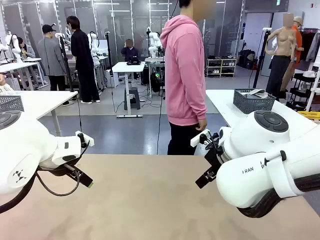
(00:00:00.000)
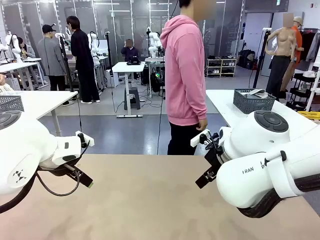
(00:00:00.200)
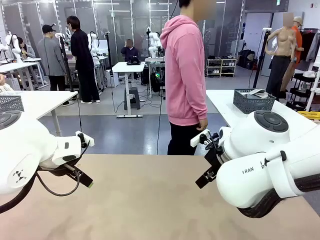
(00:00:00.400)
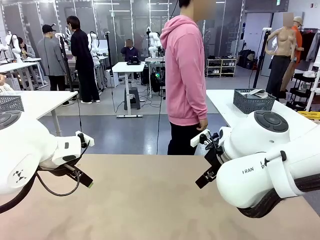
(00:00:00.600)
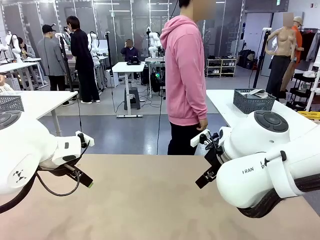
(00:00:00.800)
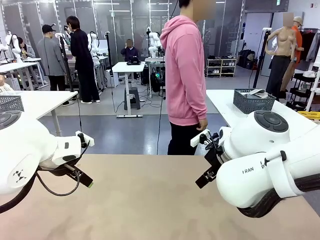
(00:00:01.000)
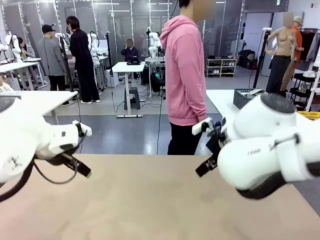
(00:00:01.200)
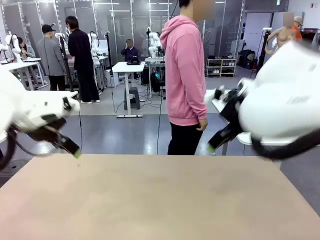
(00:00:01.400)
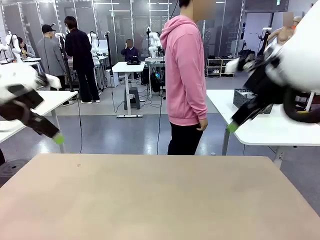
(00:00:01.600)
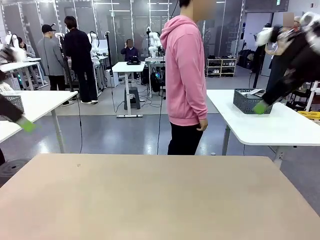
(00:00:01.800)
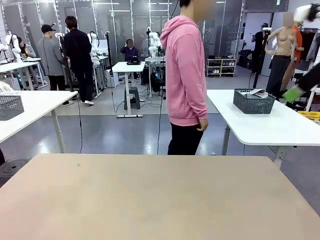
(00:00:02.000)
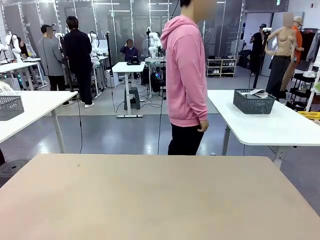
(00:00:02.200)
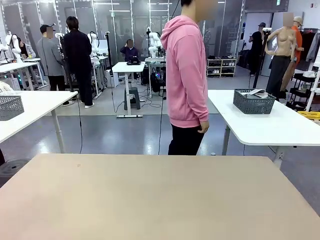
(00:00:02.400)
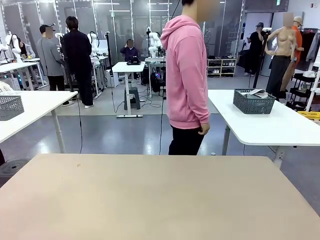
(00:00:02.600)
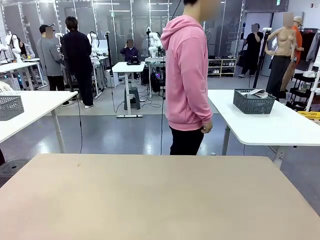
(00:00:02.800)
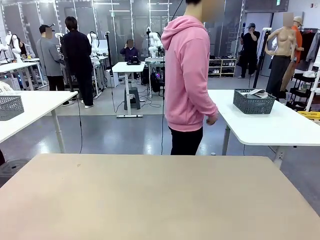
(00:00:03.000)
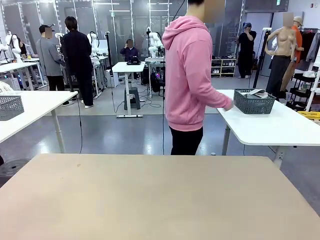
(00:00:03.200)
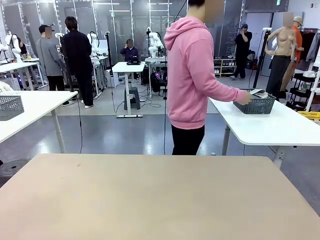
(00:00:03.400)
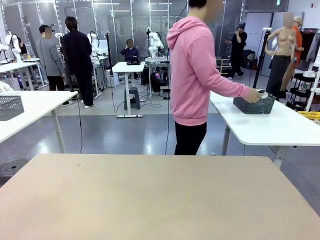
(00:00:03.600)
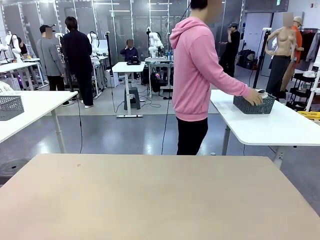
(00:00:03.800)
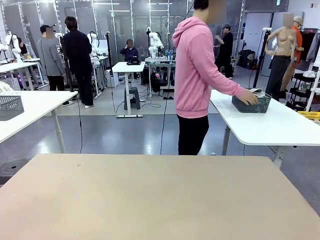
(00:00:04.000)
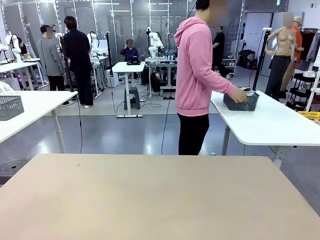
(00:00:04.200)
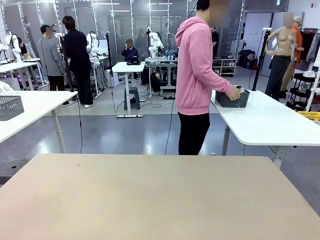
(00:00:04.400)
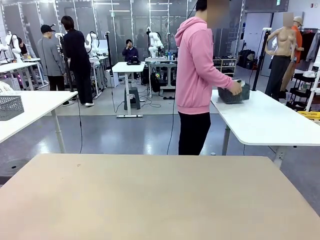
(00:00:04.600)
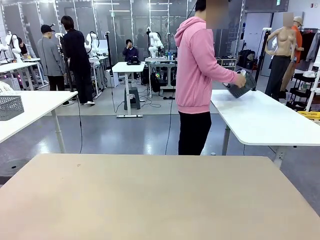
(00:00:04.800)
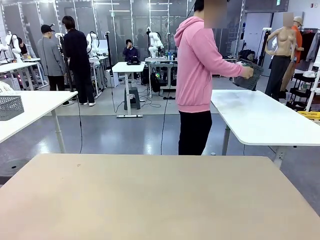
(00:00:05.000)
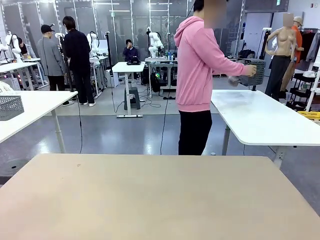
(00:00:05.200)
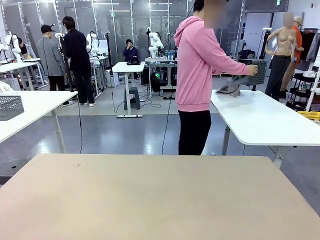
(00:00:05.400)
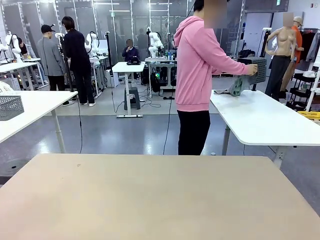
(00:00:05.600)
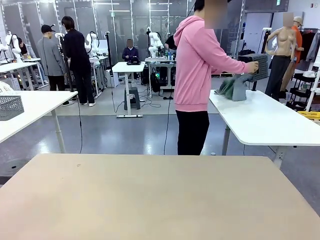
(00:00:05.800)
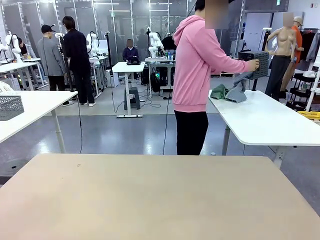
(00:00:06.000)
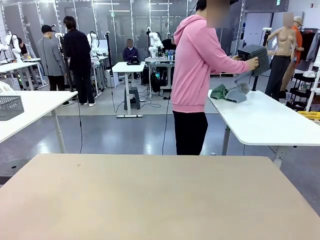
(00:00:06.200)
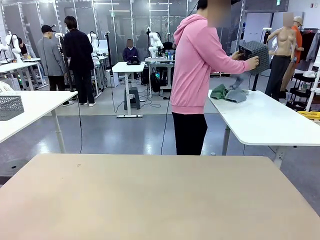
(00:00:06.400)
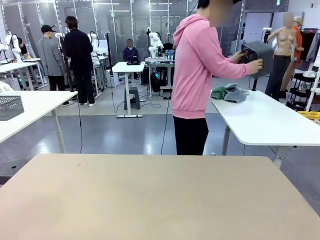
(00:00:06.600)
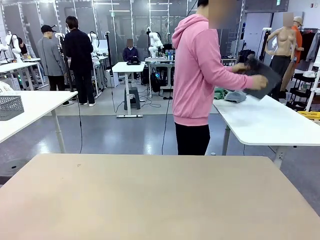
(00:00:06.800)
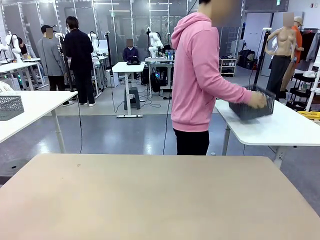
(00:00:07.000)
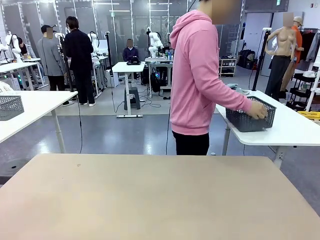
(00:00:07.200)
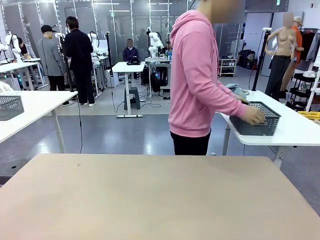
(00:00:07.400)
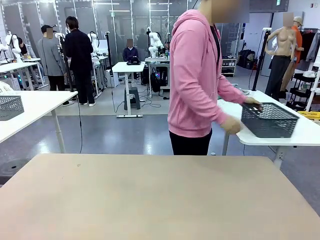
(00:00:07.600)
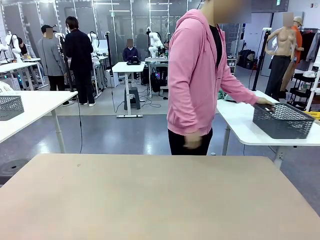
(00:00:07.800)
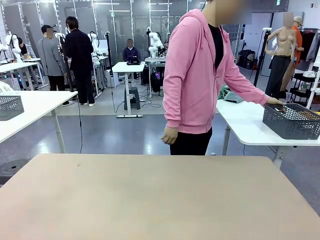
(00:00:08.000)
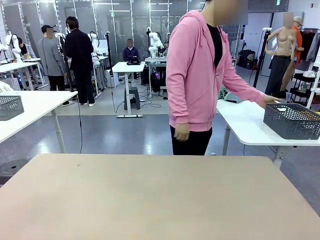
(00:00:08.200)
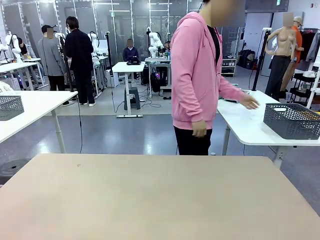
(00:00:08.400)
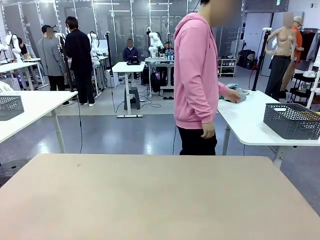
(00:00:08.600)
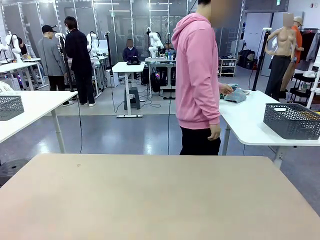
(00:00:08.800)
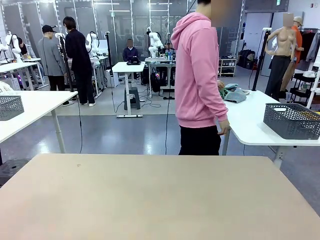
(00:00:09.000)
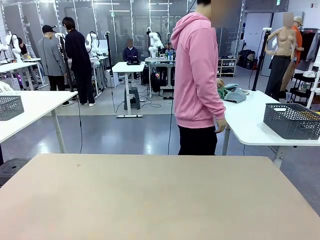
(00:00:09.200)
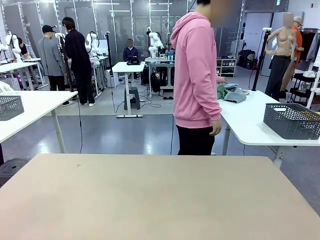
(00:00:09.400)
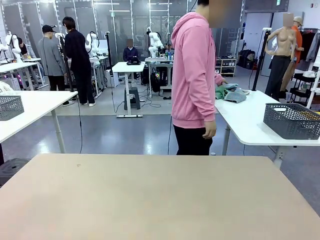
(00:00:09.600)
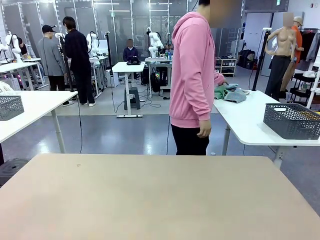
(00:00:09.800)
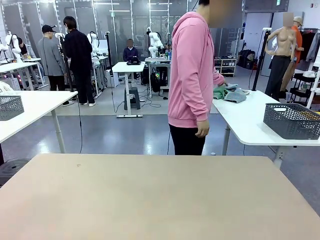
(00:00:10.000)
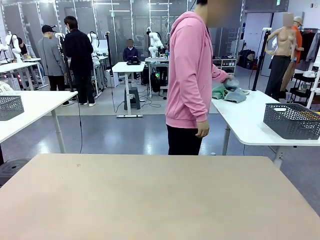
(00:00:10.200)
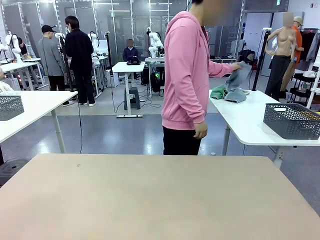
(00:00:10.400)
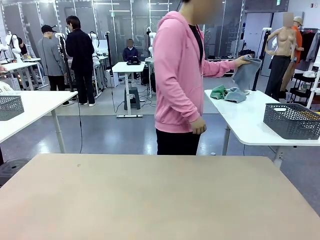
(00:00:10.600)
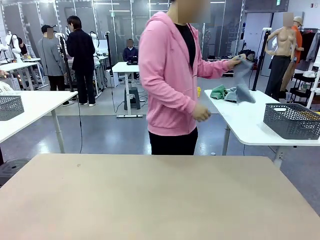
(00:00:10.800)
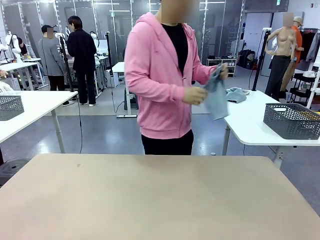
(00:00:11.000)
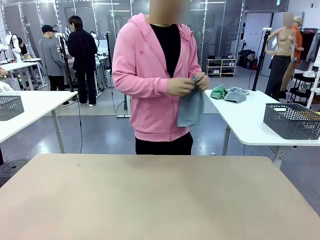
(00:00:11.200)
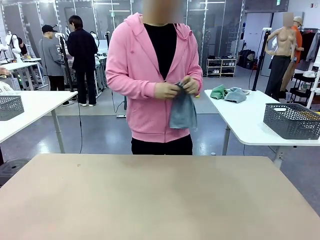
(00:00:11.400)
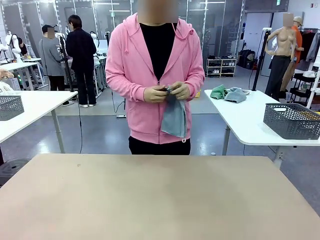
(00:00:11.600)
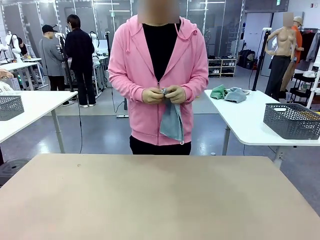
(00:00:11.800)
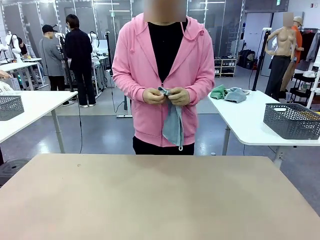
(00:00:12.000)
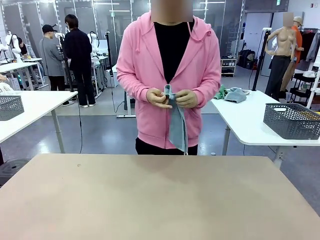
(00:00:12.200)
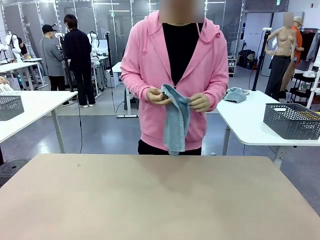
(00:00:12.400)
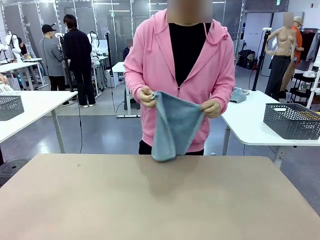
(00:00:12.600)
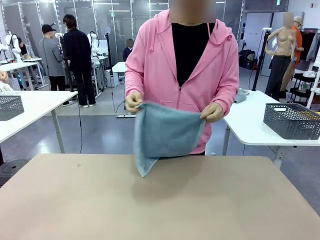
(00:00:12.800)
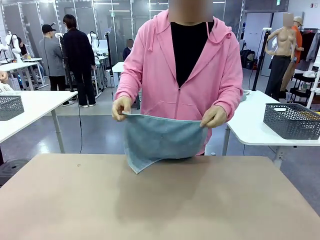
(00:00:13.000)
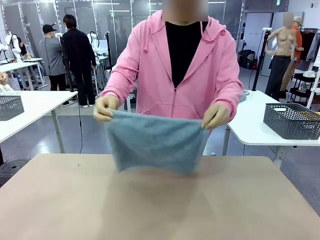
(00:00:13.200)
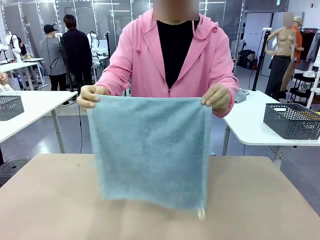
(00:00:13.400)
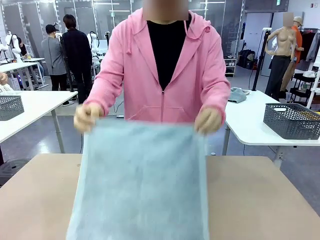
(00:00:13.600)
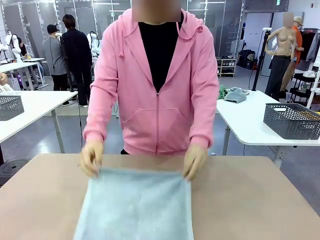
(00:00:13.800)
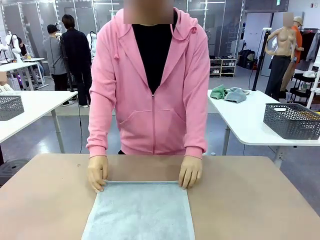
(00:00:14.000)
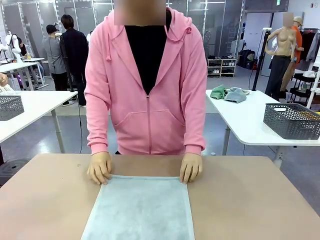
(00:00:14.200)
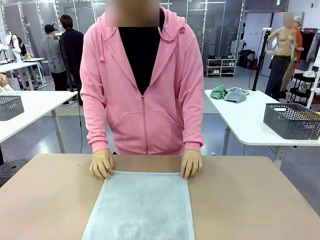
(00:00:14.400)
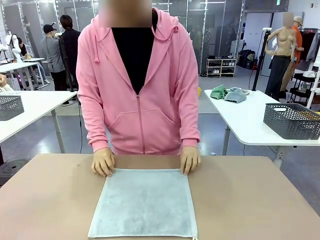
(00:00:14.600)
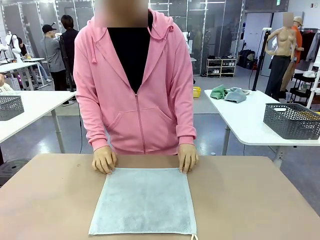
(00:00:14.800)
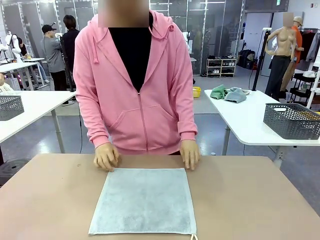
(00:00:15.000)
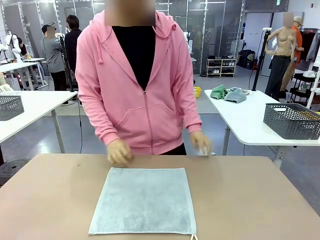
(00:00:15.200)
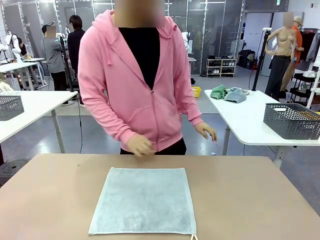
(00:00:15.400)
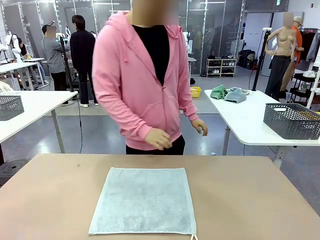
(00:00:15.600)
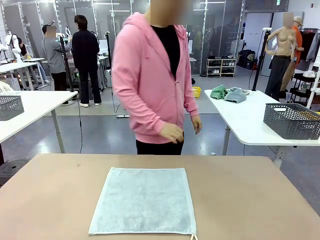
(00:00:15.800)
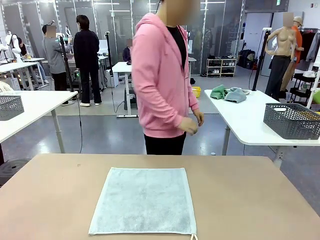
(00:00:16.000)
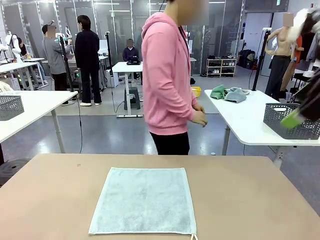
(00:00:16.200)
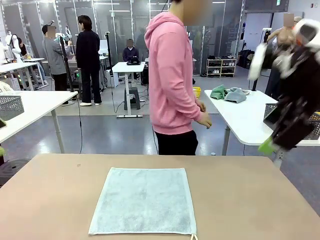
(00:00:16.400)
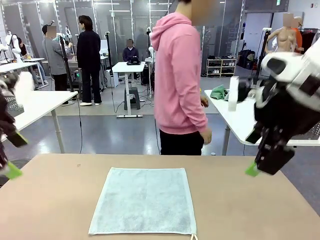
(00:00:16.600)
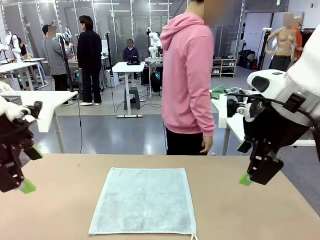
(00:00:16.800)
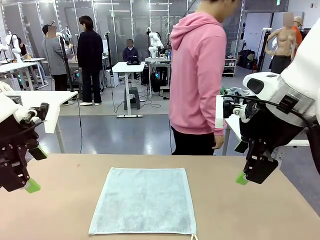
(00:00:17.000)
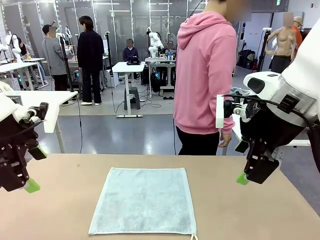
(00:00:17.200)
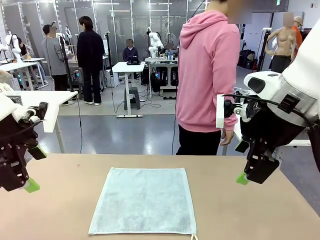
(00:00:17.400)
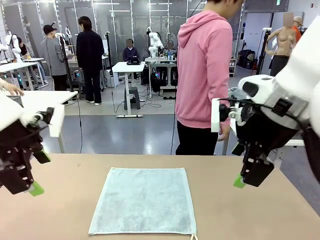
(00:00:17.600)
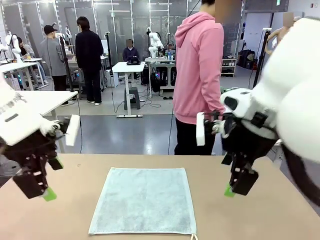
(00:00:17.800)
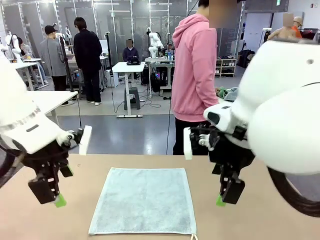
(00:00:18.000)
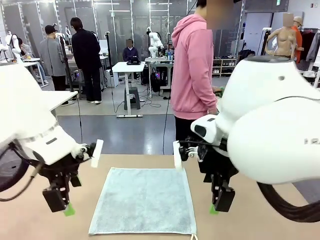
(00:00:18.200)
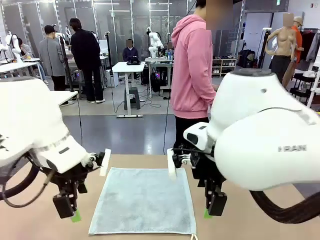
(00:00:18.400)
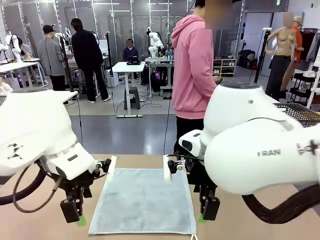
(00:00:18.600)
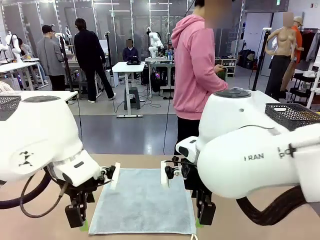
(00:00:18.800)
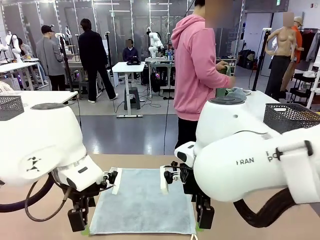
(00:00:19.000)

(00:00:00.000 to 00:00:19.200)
Task: Fold the towels and place them in the basket.
Robot: When a person lays out a Towel with hook on the table, fold it in half twice.
Person: Pick up the basket, pour the towels onto the left side of the human table, and place the basket on the right side. Pick up one towel and spread it out at the center of the robot table.
